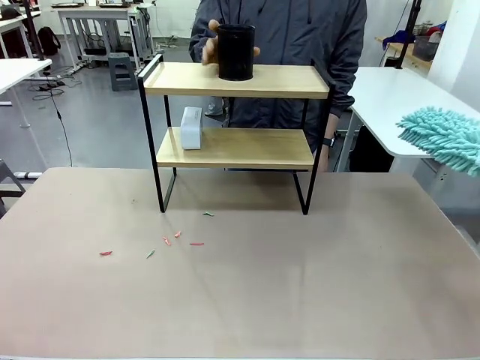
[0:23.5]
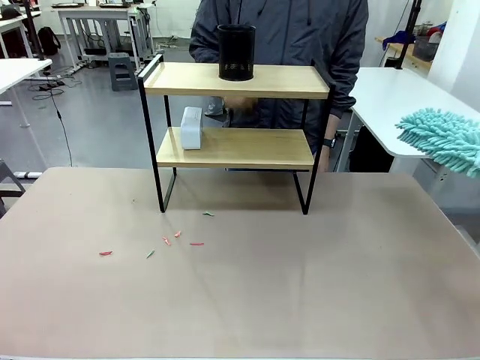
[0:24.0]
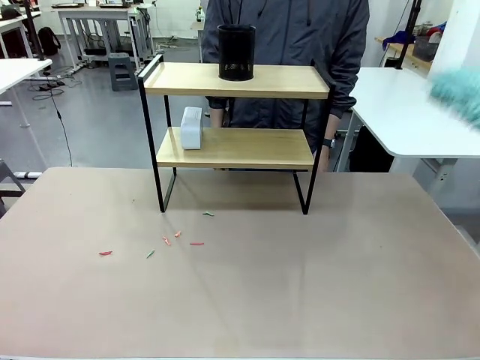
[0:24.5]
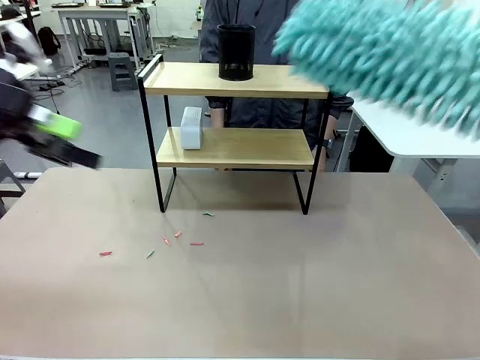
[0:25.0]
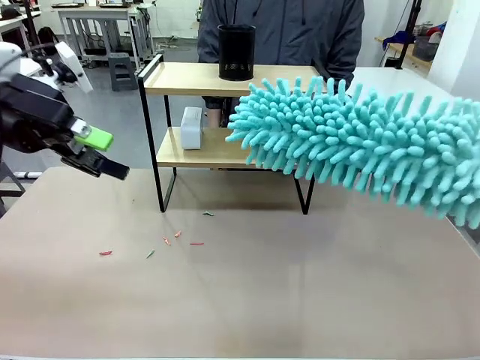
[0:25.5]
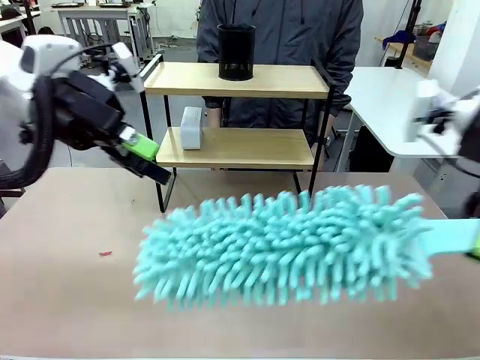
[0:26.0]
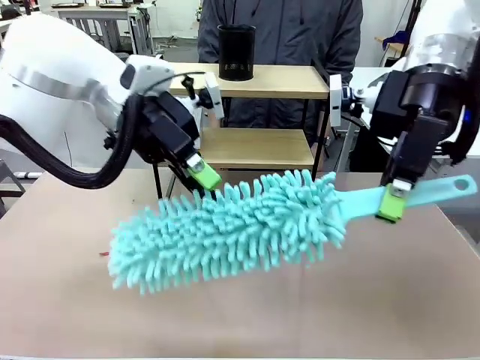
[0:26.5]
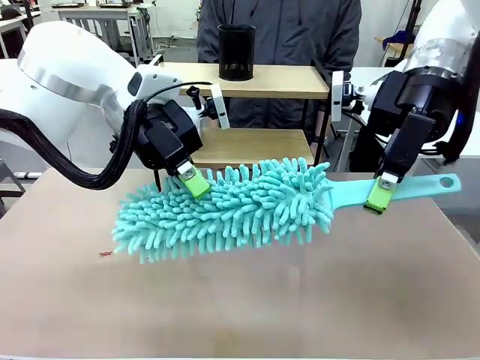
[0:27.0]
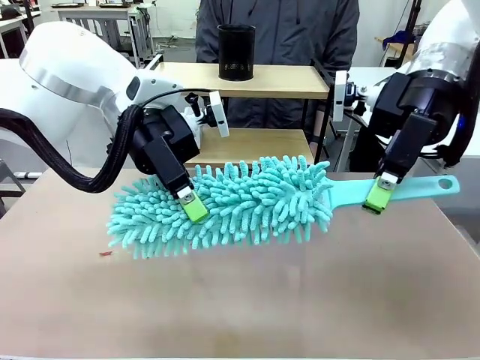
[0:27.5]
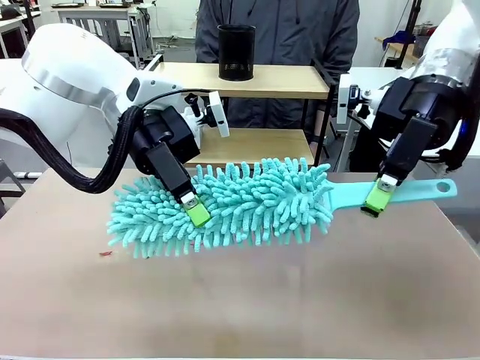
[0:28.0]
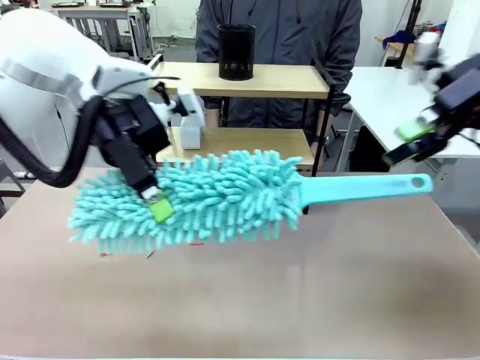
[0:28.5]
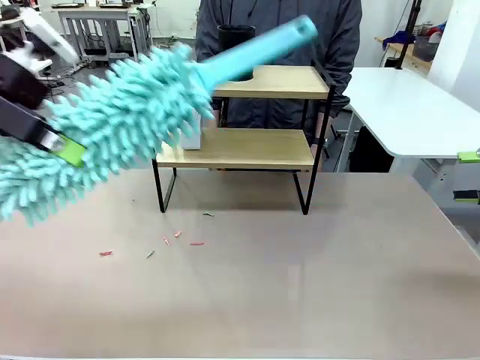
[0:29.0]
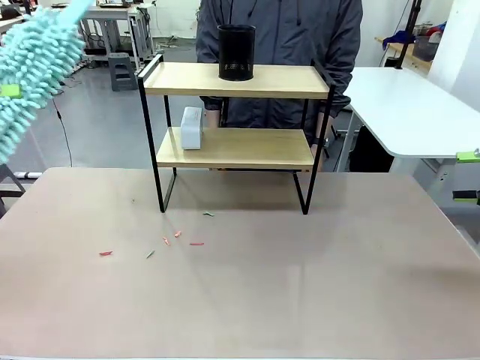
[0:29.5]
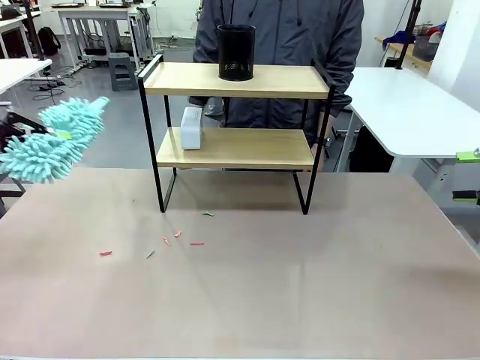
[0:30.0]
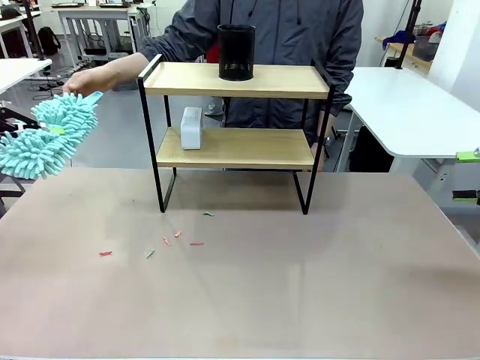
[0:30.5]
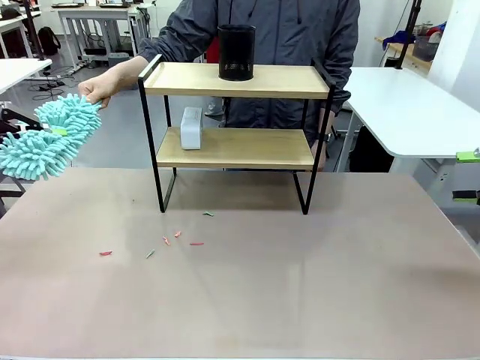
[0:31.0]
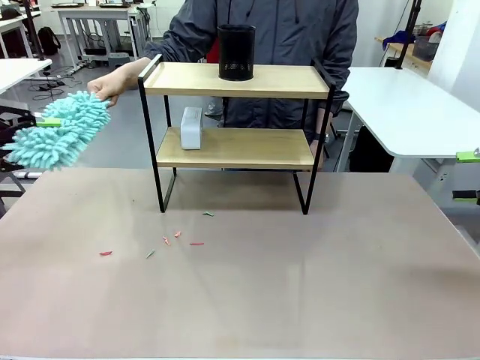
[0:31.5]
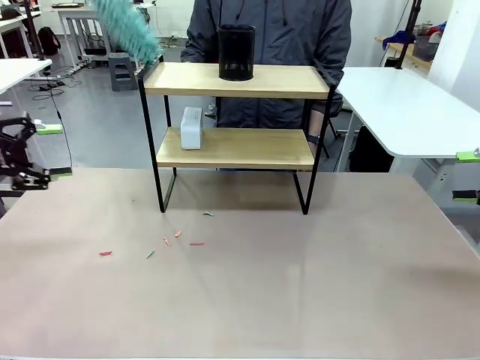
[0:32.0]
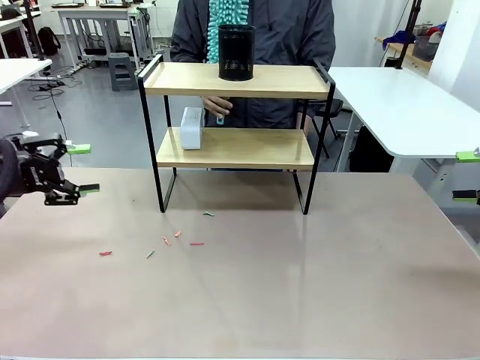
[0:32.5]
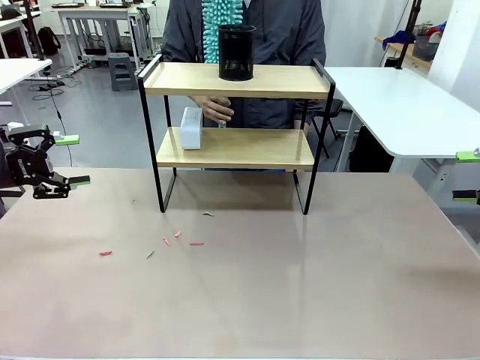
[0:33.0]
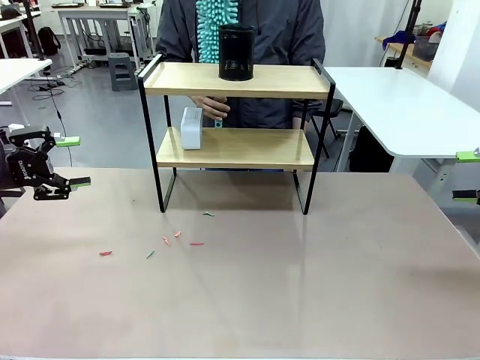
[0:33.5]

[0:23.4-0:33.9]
Task: Clean the shelf.
Robot: Hand the Duster back to the human.
Person: Receive the Duster from the robot.

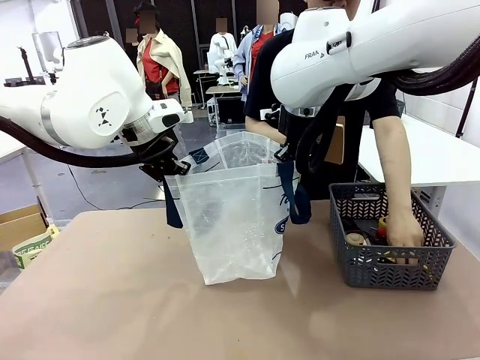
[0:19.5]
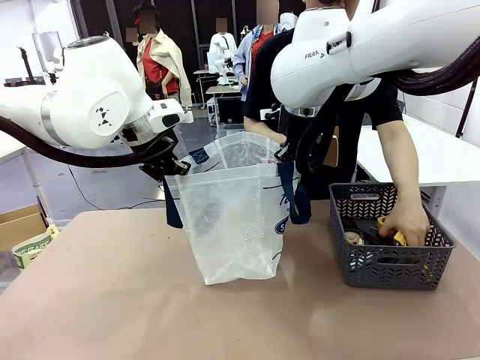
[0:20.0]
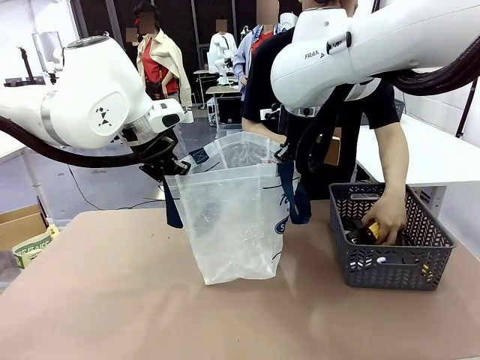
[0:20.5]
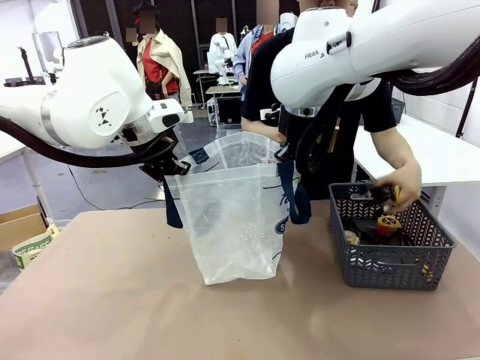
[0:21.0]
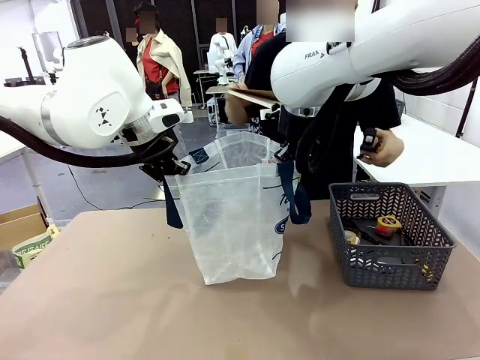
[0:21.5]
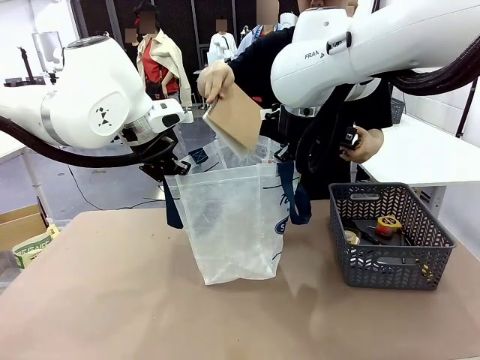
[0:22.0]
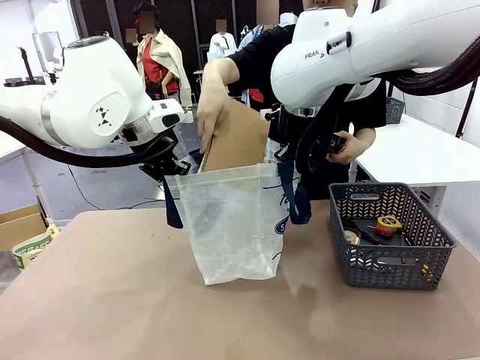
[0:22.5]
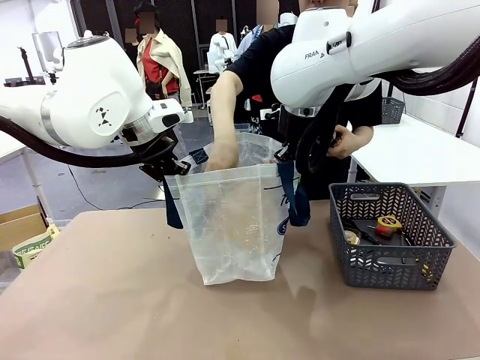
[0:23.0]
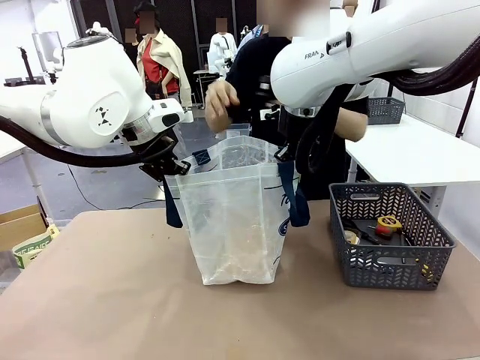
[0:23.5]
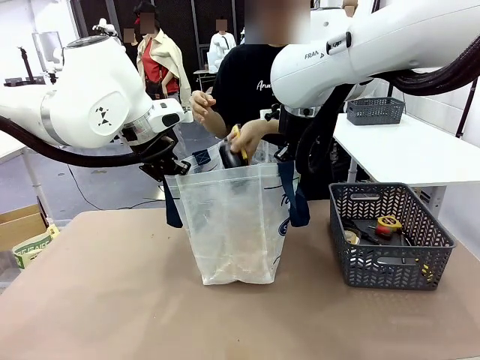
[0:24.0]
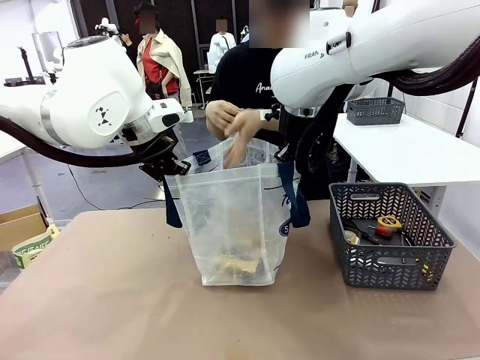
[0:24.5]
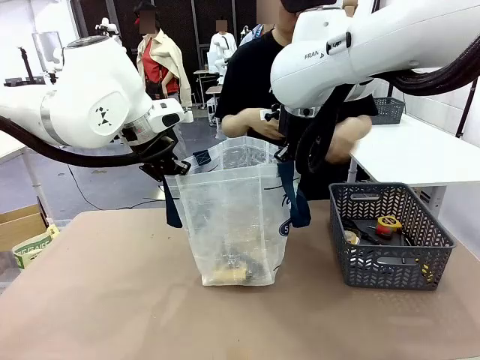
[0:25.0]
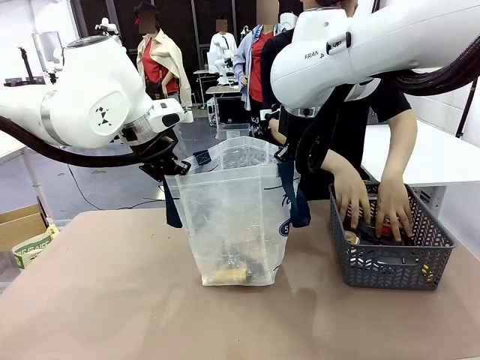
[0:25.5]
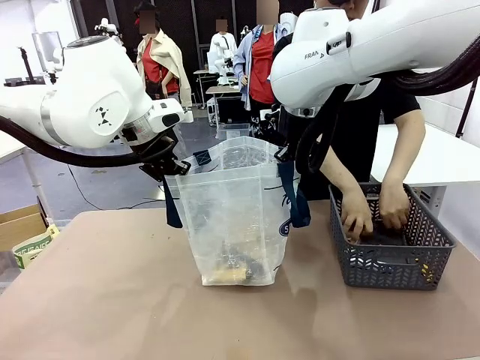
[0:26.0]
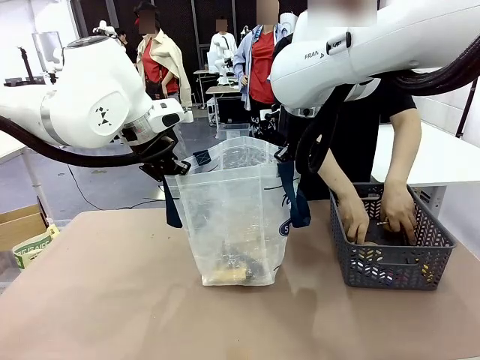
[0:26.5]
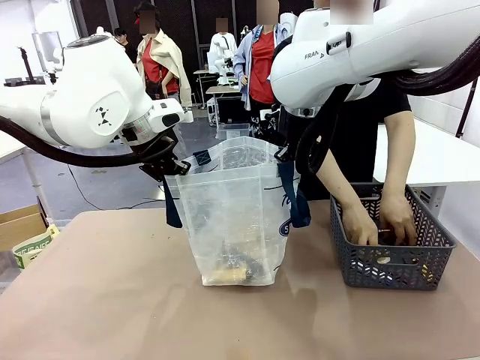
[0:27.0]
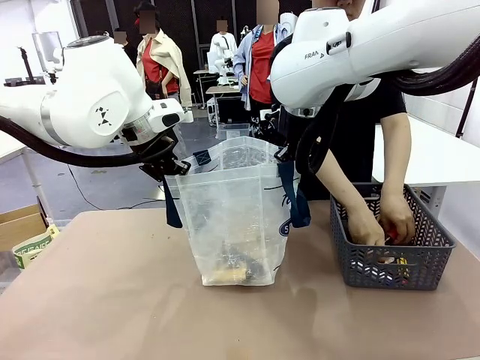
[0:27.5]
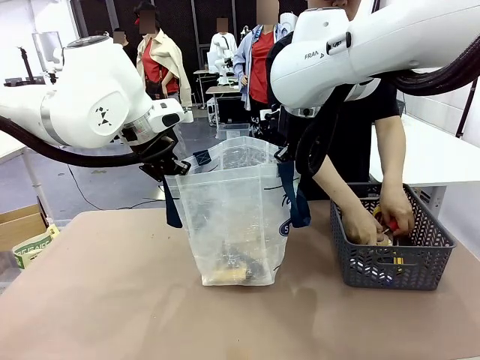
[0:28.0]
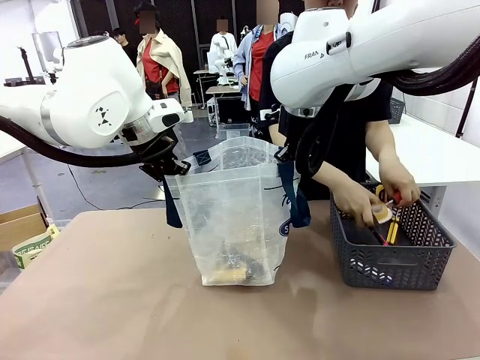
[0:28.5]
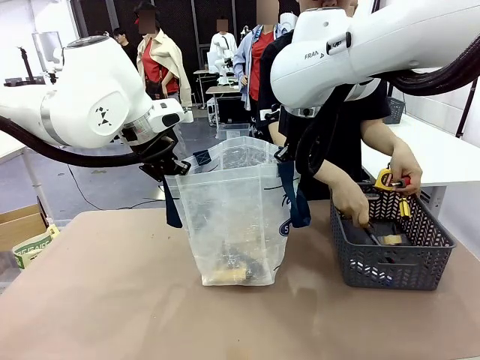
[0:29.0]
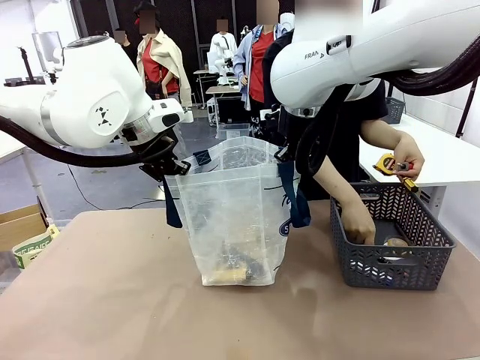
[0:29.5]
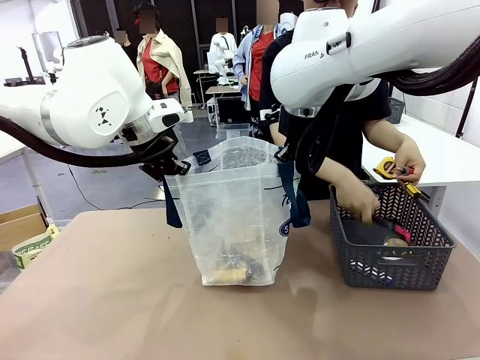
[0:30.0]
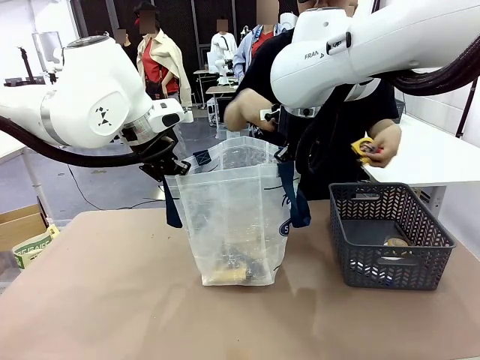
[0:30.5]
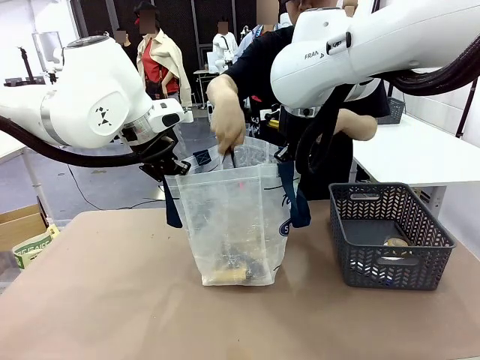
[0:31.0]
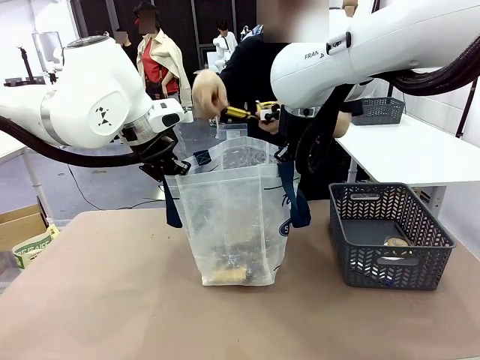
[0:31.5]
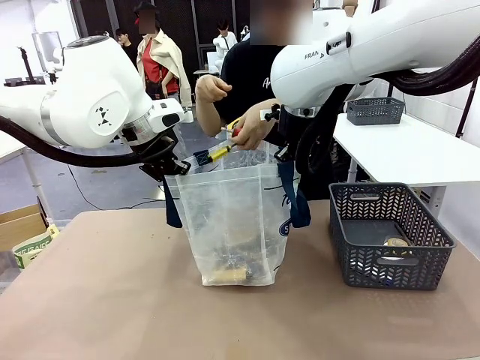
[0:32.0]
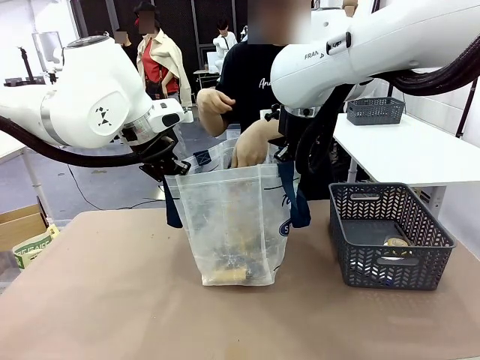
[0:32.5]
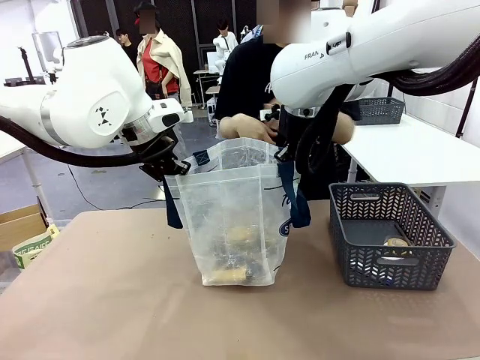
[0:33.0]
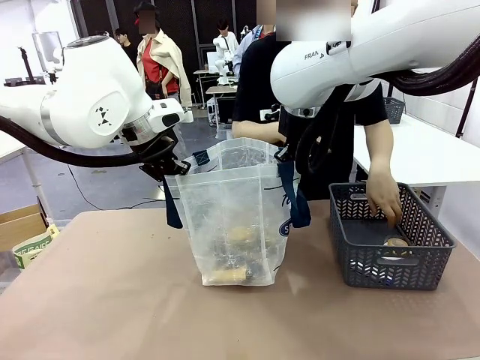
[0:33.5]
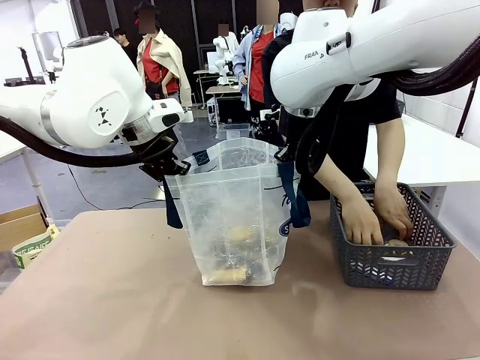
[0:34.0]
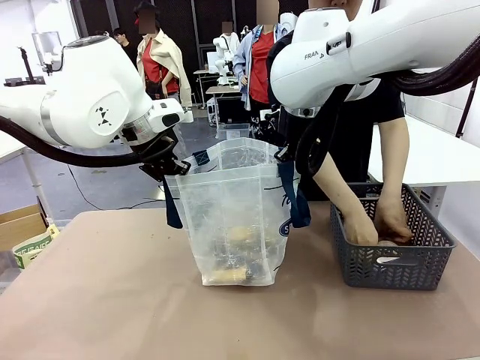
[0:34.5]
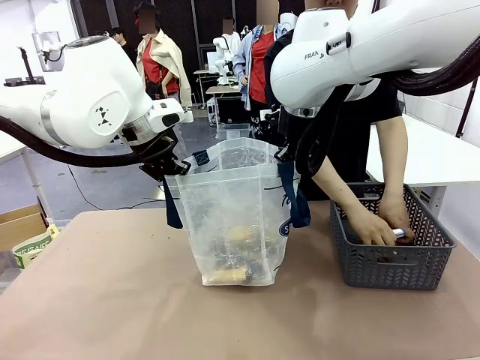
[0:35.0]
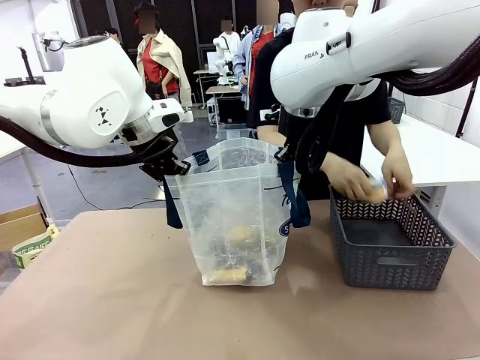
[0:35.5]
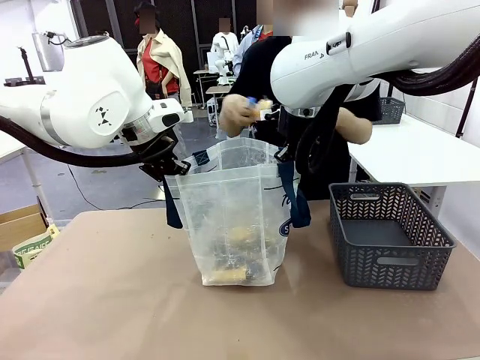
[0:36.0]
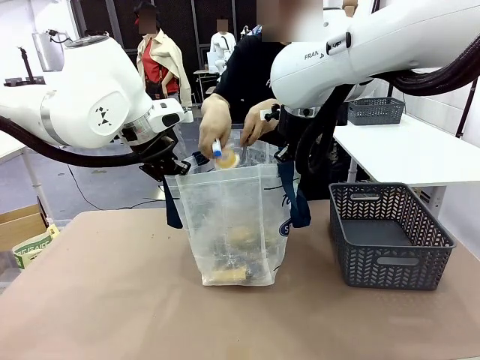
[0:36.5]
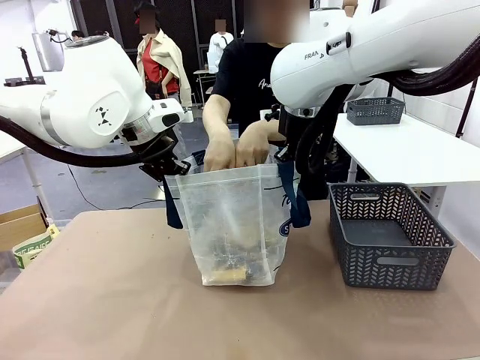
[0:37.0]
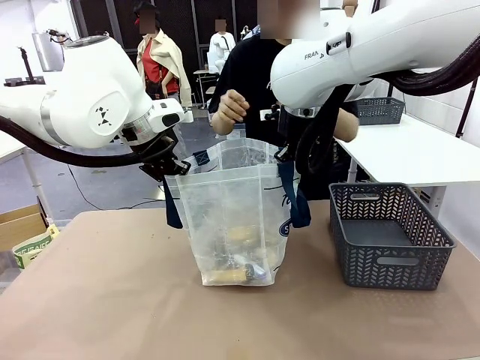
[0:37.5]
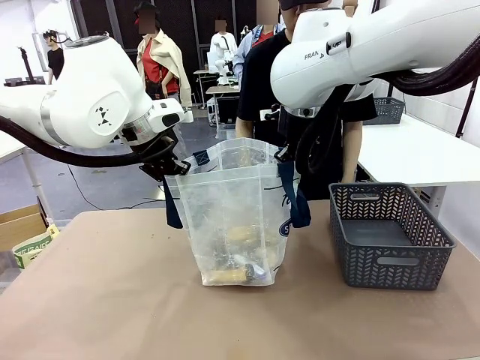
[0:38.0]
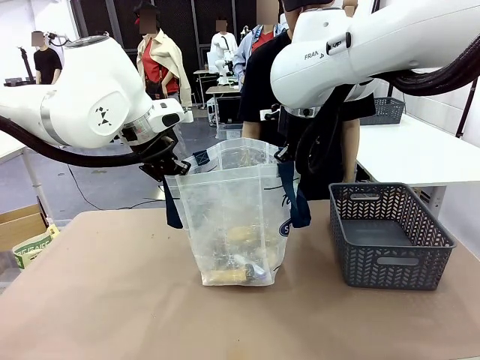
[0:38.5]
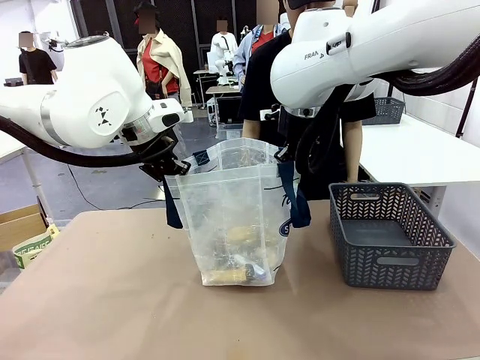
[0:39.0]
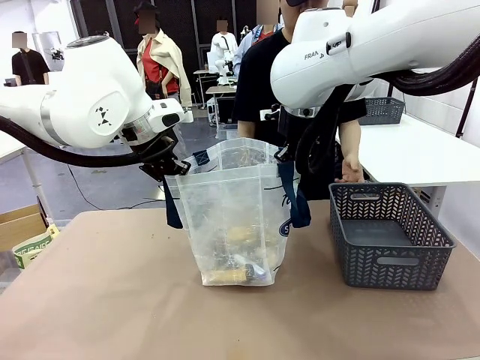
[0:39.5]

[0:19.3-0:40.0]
Task: Transfer purchased items from the store into the shopping bag.
Robot: Move the Reusable shopping bag to the right side of the table.
Person: Pick up the basket on the right, place it on the left side of the robot table, and move the items in the basket to the shopping bag.
